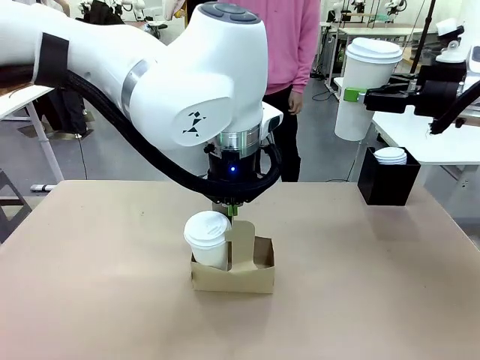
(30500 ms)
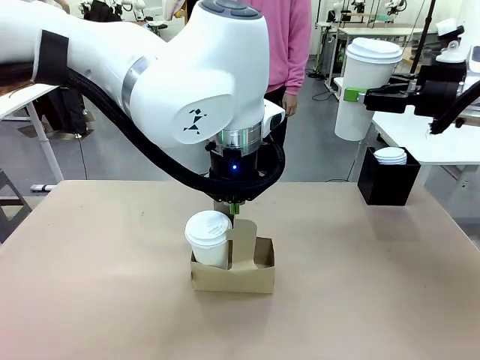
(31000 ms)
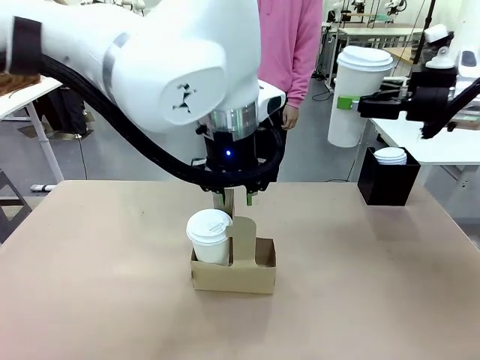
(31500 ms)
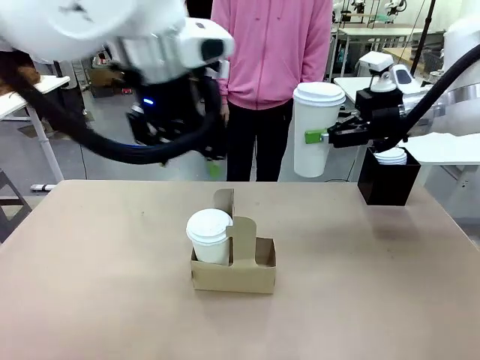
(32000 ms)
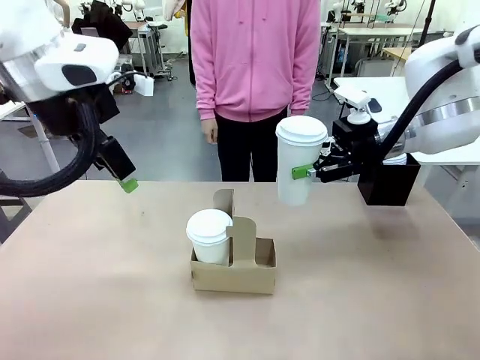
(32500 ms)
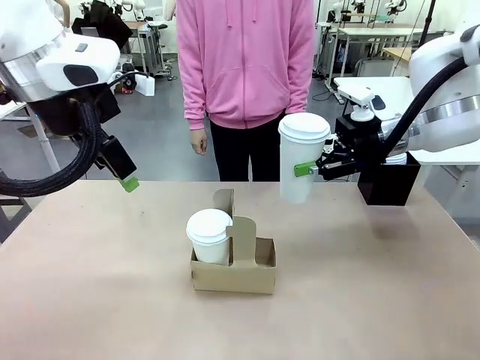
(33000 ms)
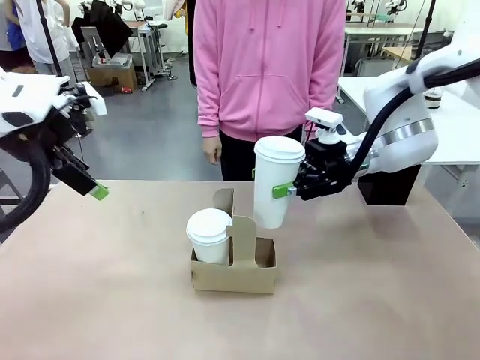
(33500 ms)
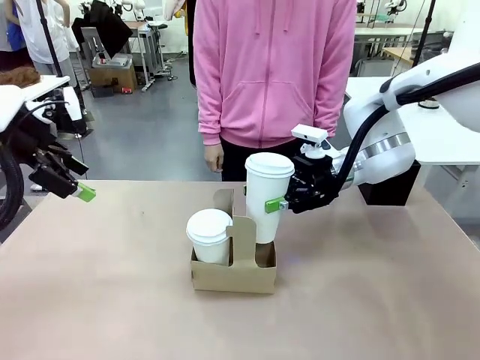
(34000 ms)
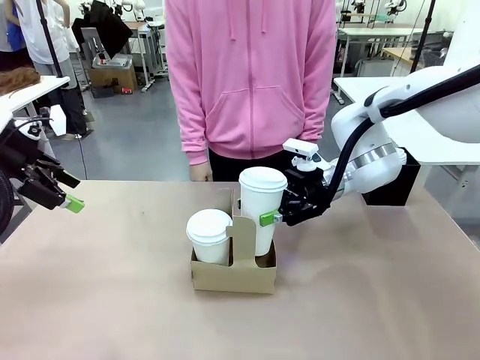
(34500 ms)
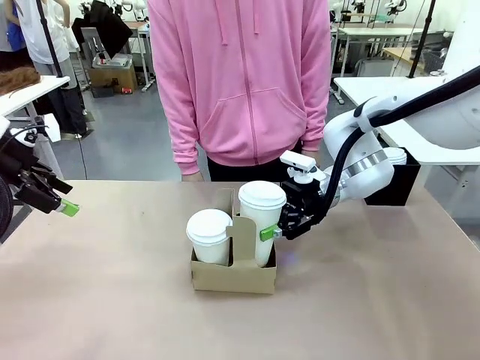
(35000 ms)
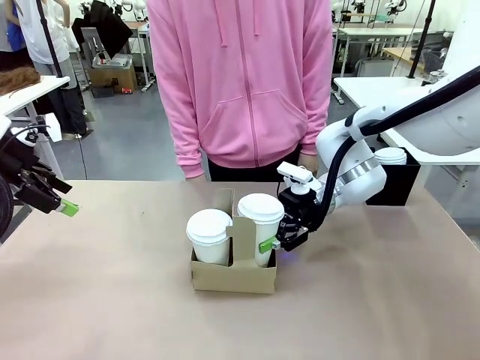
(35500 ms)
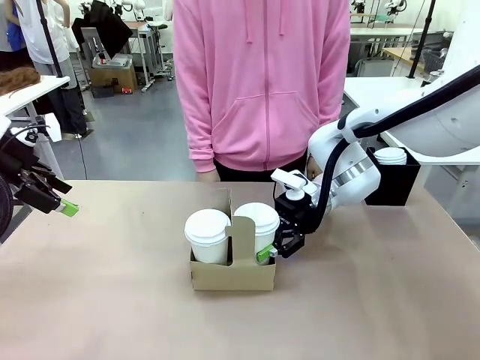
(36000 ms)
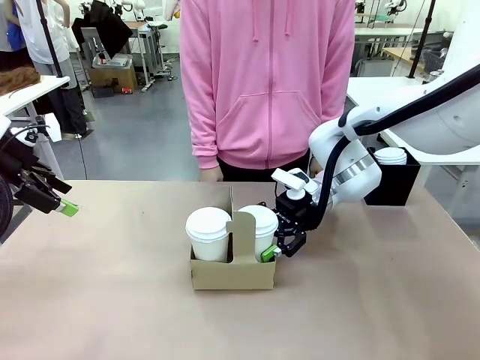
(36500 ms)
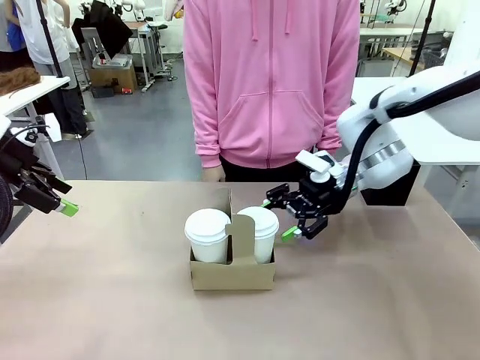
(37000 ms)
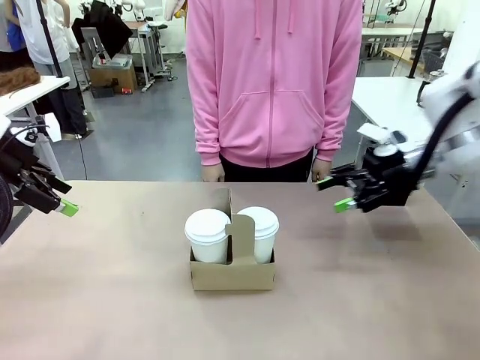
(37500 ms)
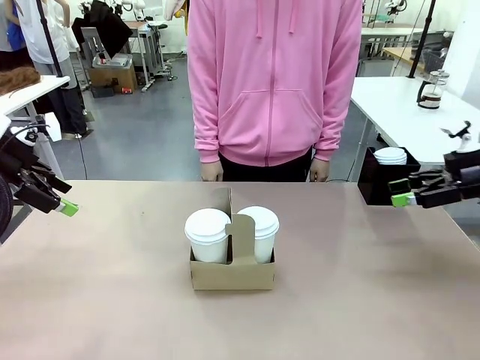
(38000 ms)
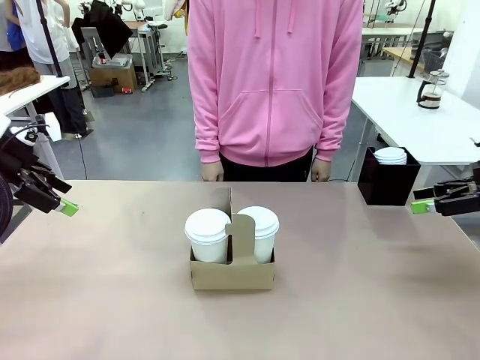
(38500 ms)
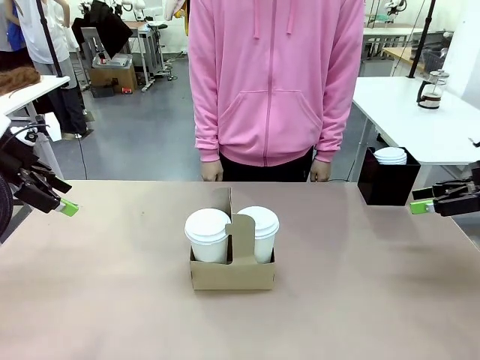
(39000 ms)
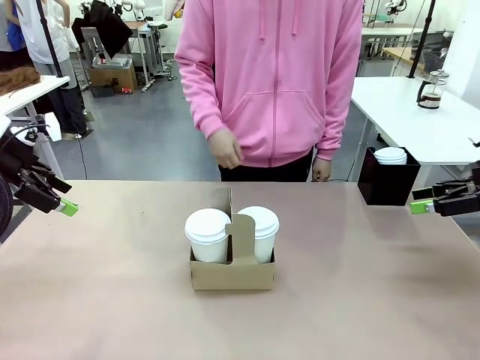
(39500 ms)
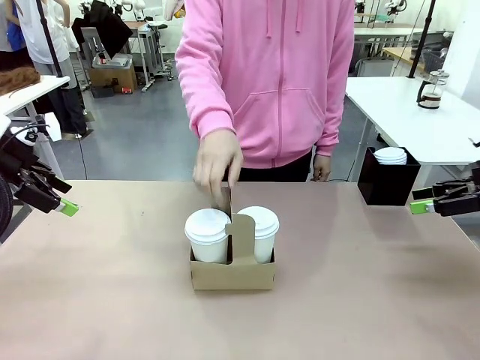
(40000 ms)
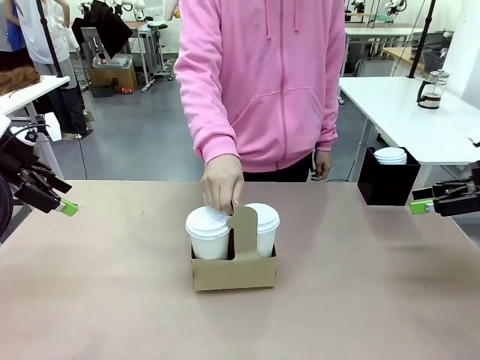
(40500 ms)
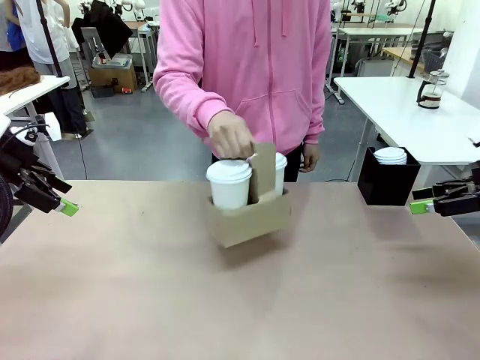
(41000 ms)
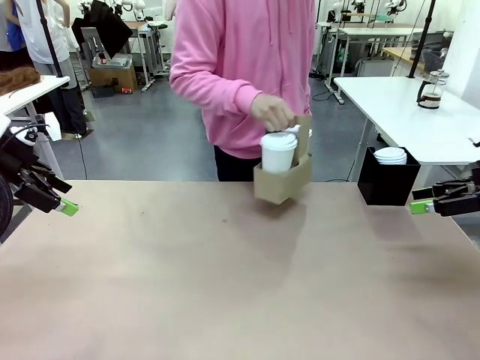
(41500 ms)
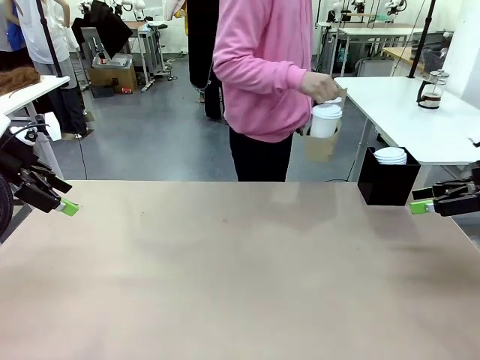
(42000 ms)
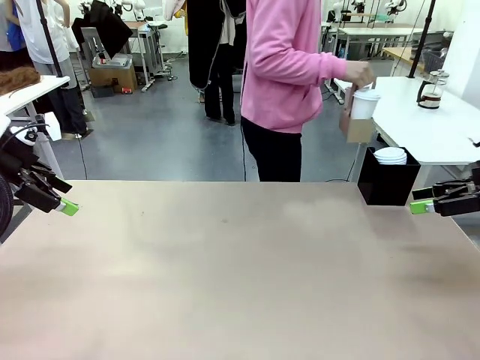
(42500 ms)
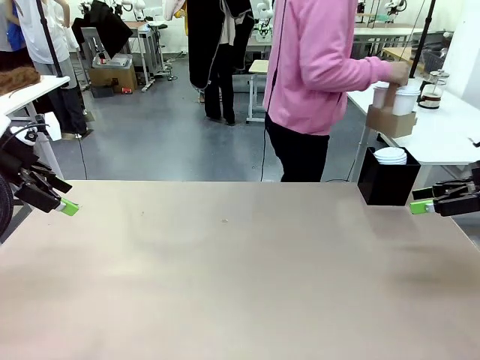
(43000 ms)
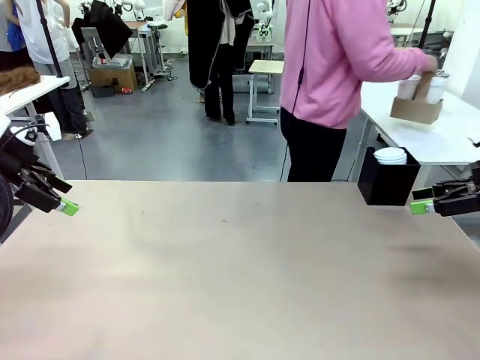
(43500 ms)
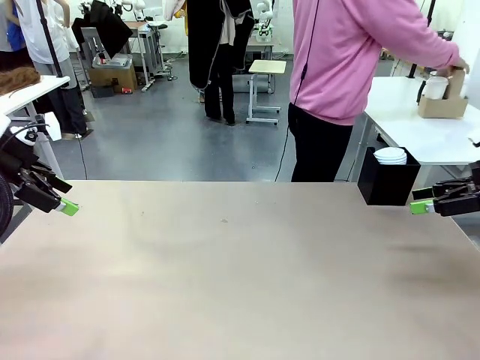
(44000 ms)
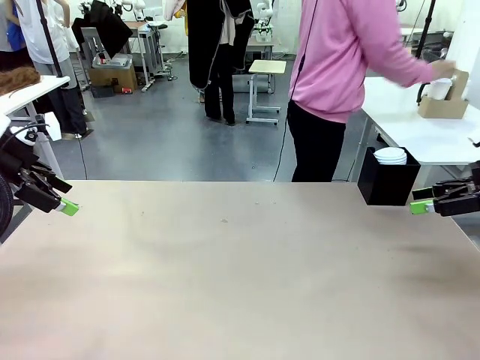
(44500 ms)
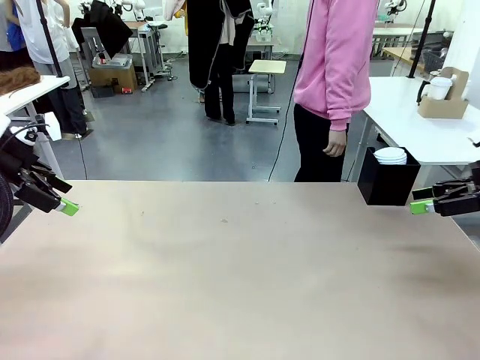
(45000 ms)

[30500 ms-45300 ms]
Task: Pour a drink into a cup and package it in a carrier.
Robot: Insert the held 600 ml Paper Cup into the Cup Carrier.
Person: Place the Cup Carrier to the middle of Human table.

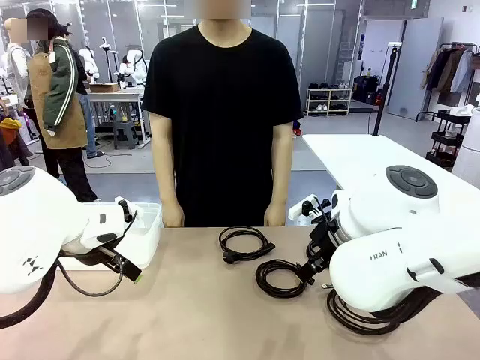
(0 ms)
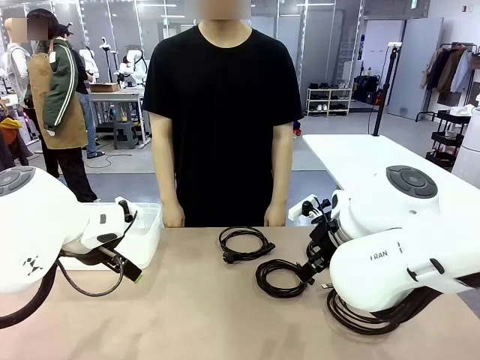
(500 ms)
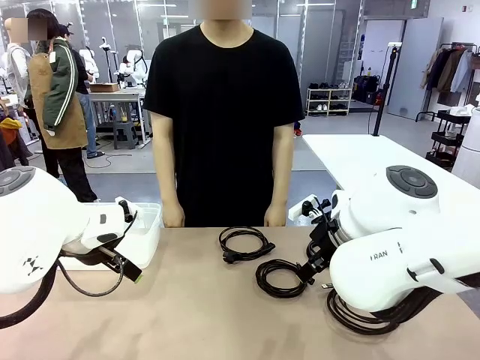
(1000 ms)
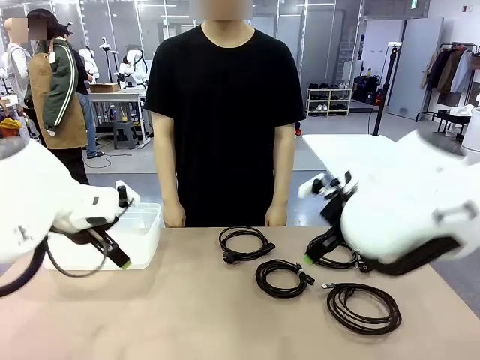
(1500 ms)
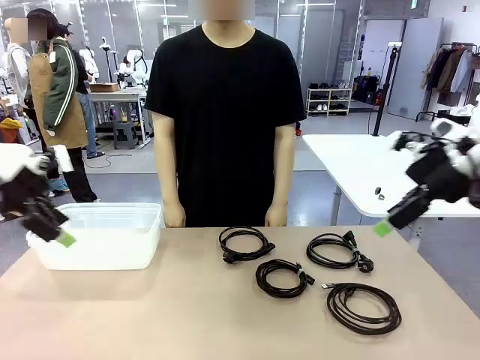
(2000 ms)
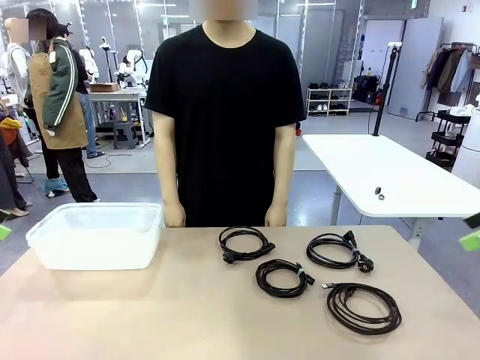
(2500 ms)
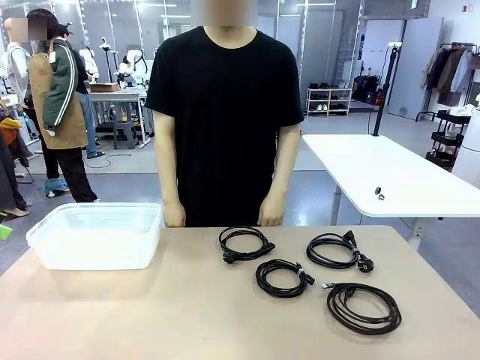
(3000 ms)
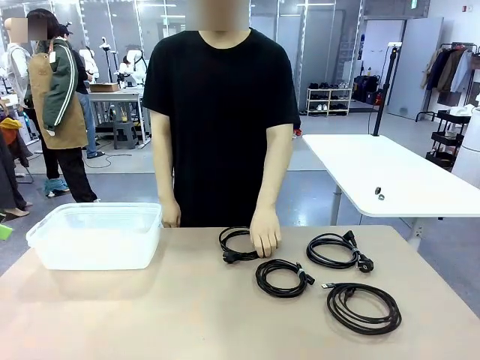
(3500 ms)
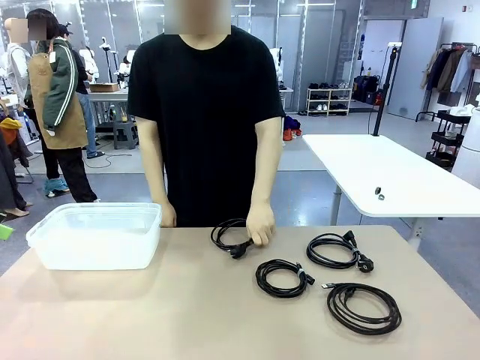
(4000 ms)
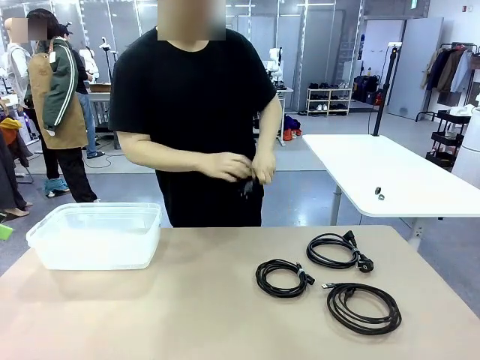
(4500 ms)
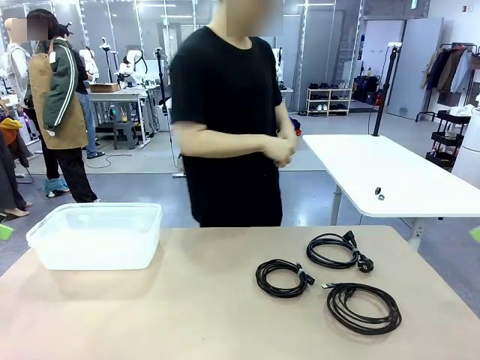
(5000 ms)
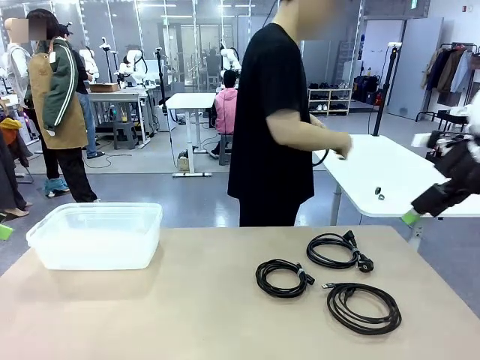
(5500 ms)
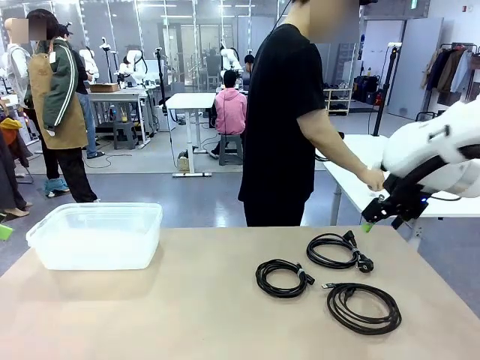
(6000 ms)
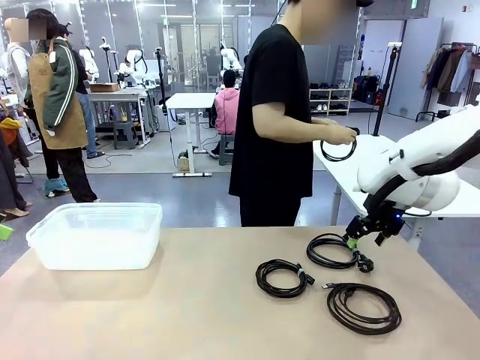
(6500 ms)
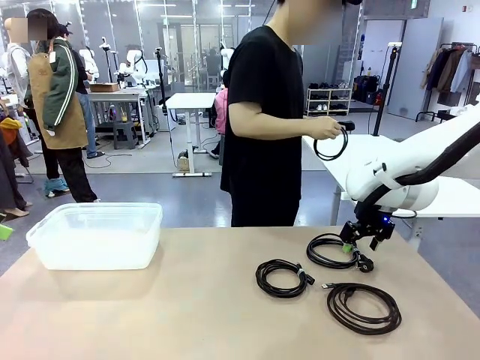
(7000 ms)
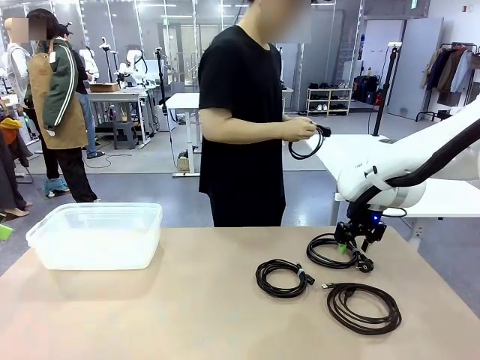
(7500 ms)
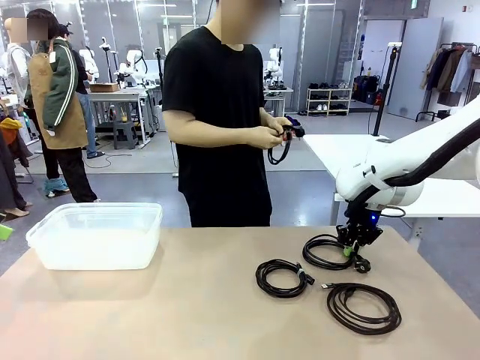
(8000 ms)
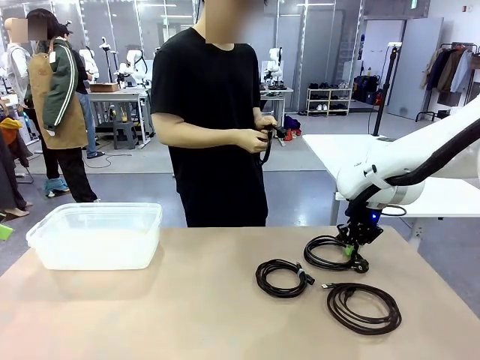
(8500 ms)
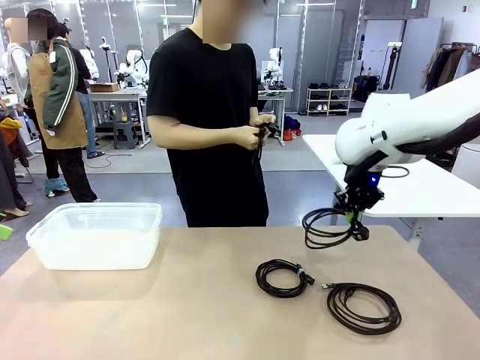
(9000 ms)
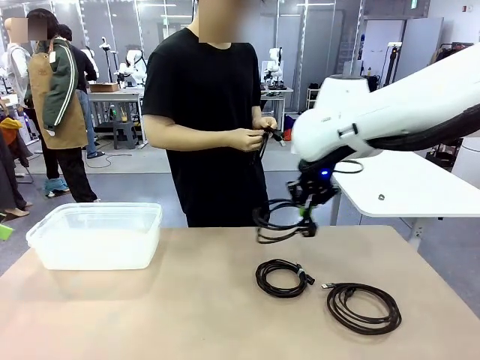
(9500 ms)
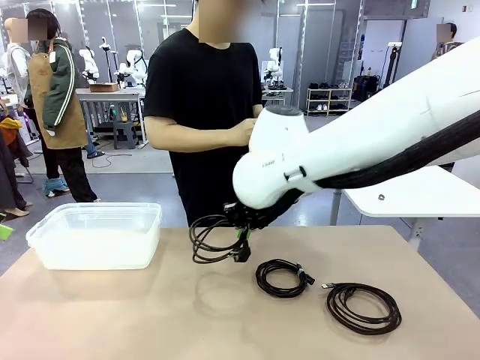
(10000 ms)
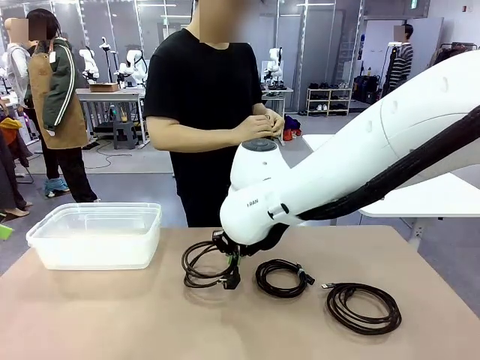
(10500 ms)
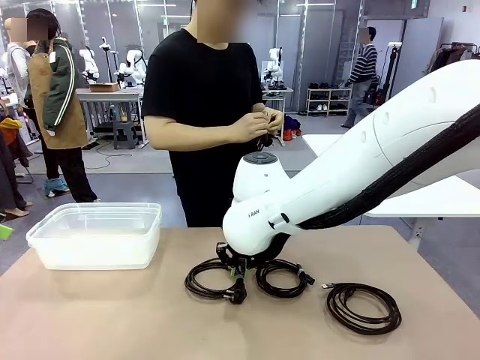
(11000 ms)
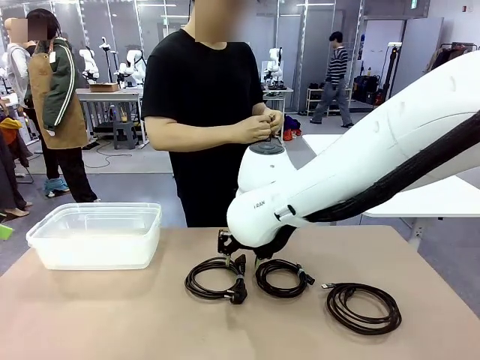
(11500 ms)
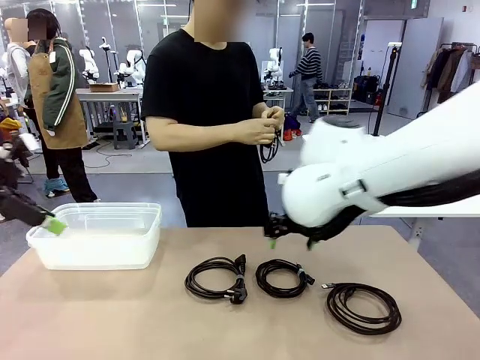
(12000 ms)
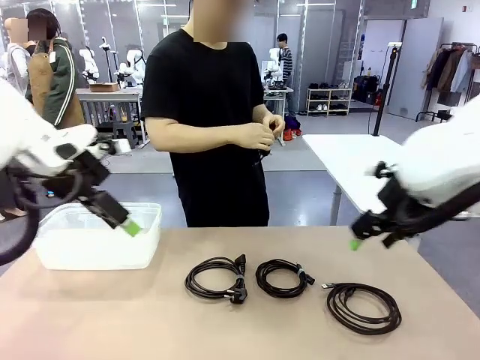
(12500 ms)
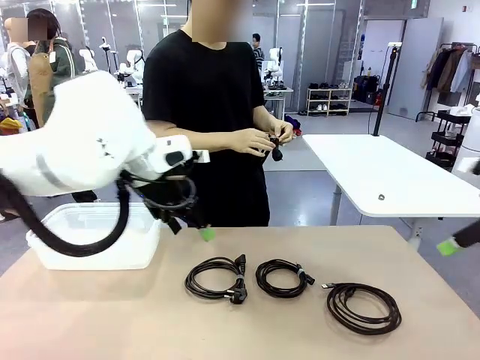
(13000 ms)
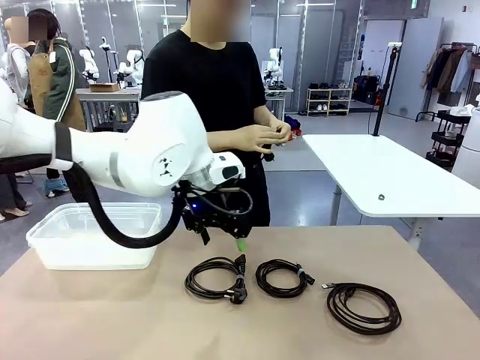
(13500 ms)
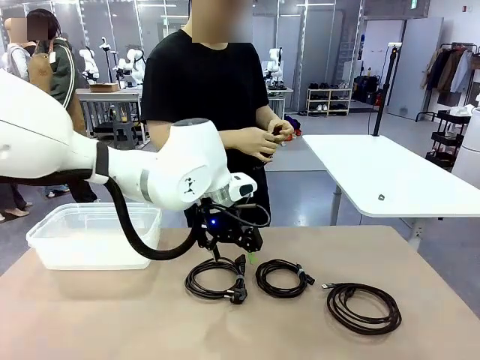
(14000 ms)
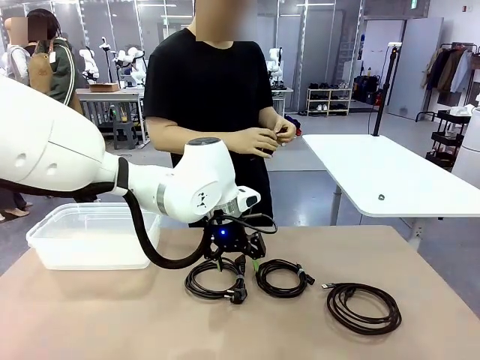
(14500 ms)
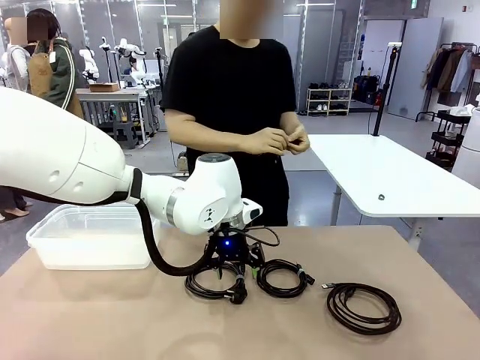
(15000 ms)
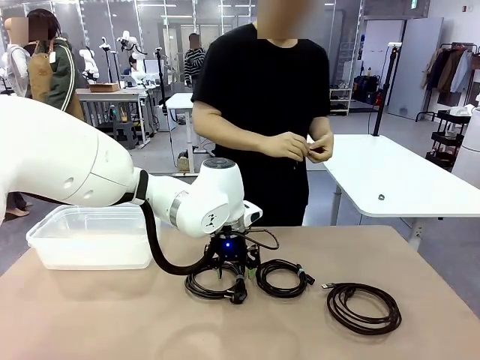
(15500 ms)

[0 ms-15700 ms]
Task: Organize and store the cables.
Robot: Place the Power Cable into the Organizing box.
Person: Tie one Power Cable with a Reusable Cable Tie.
